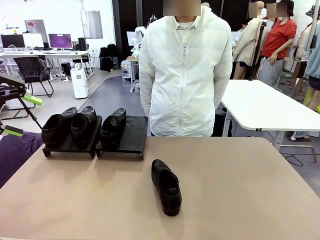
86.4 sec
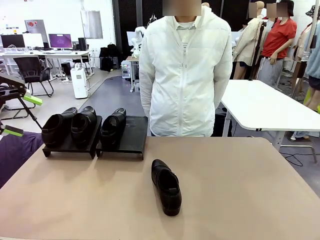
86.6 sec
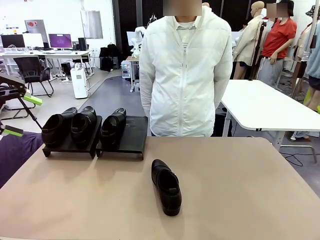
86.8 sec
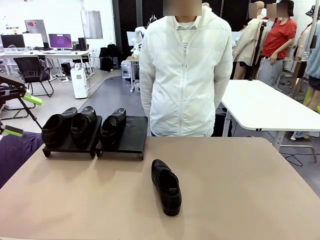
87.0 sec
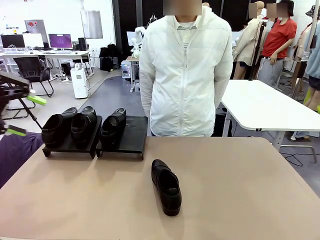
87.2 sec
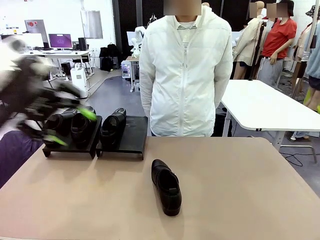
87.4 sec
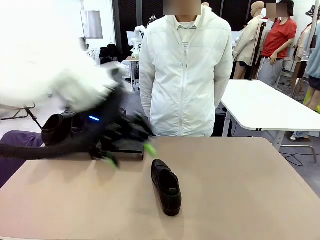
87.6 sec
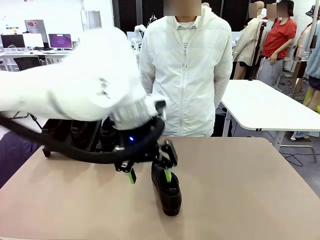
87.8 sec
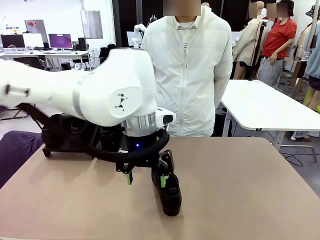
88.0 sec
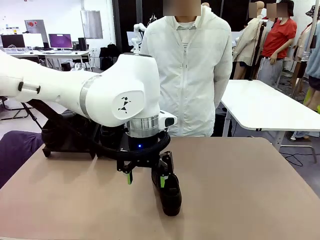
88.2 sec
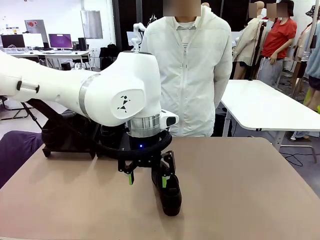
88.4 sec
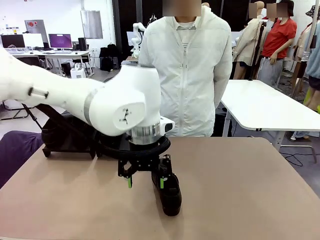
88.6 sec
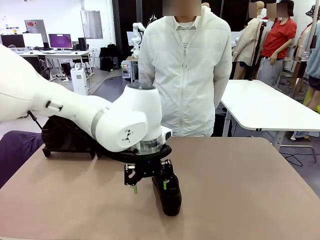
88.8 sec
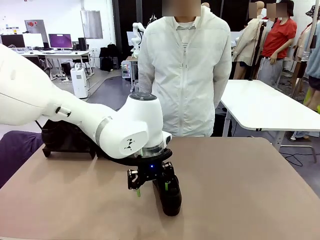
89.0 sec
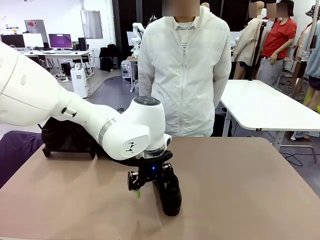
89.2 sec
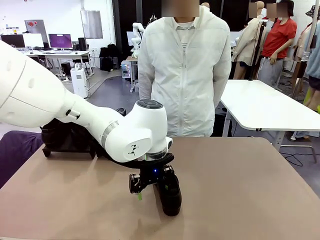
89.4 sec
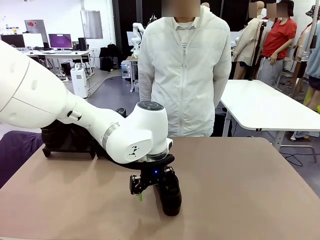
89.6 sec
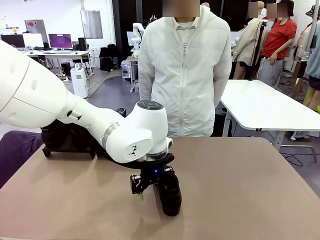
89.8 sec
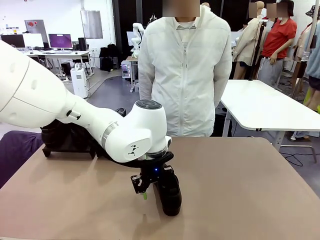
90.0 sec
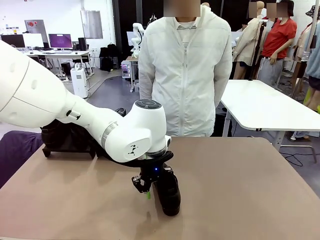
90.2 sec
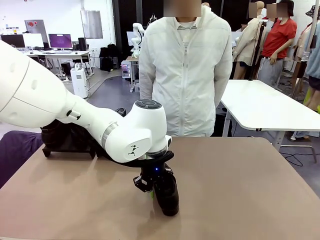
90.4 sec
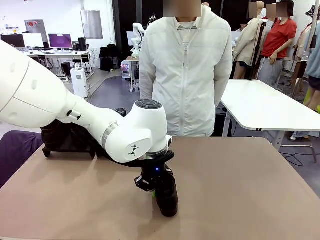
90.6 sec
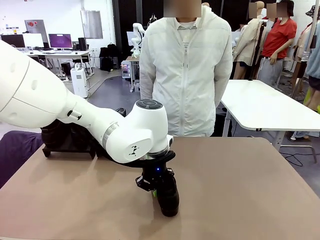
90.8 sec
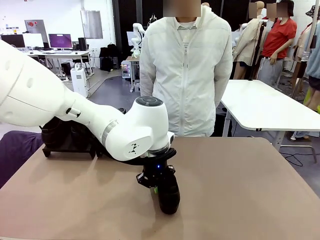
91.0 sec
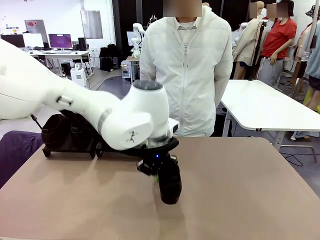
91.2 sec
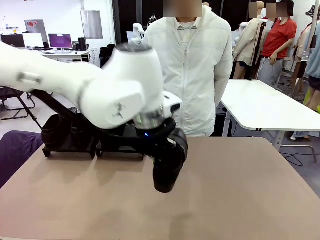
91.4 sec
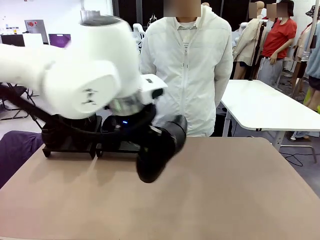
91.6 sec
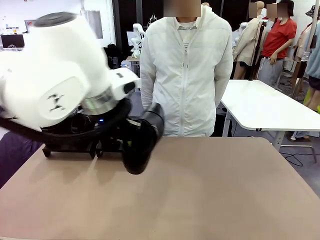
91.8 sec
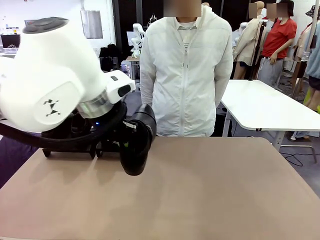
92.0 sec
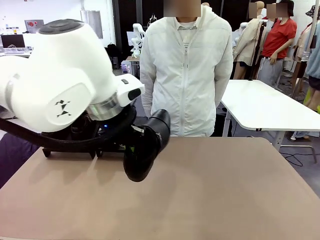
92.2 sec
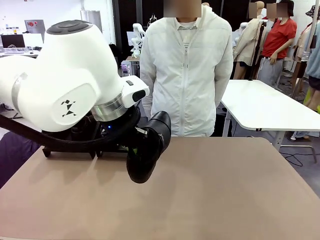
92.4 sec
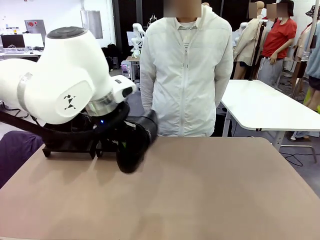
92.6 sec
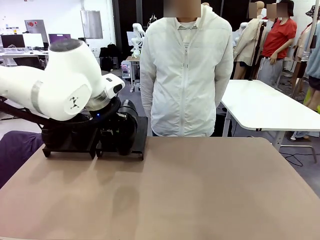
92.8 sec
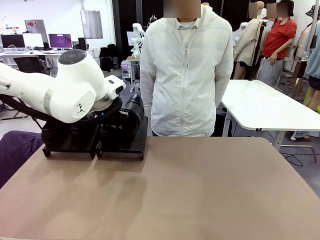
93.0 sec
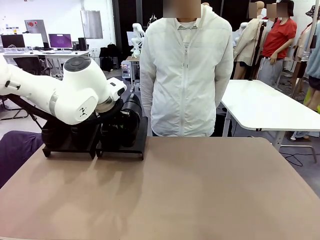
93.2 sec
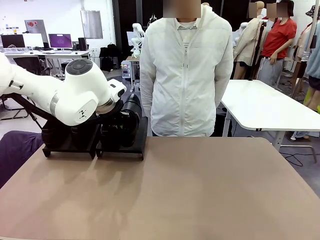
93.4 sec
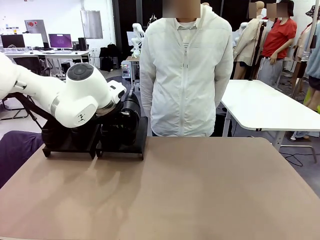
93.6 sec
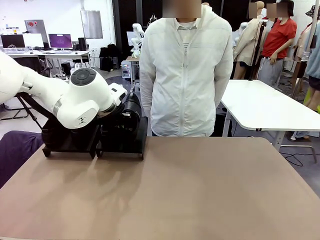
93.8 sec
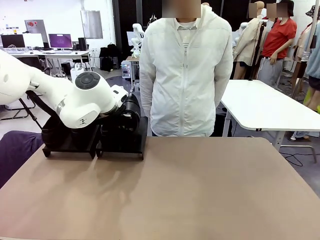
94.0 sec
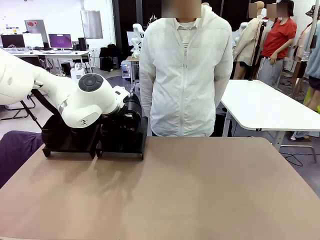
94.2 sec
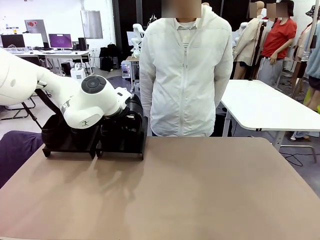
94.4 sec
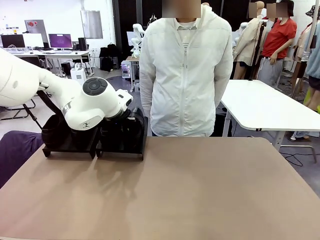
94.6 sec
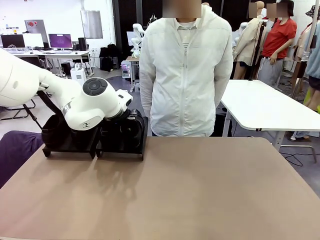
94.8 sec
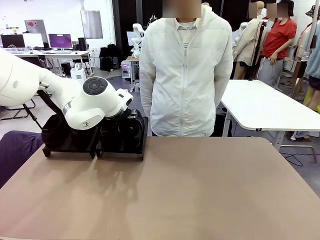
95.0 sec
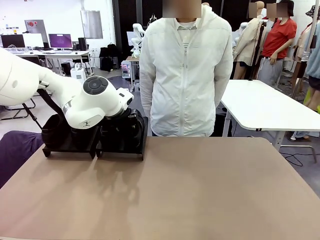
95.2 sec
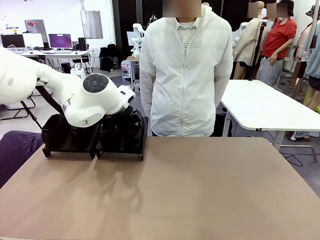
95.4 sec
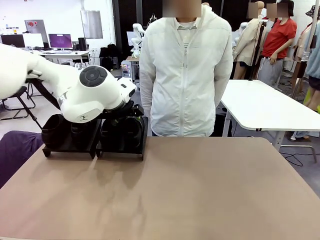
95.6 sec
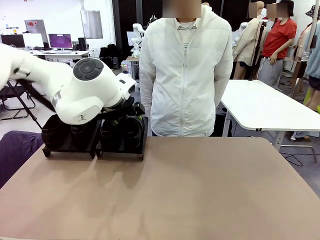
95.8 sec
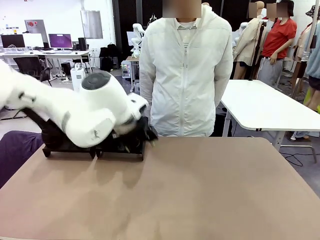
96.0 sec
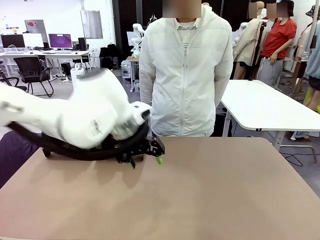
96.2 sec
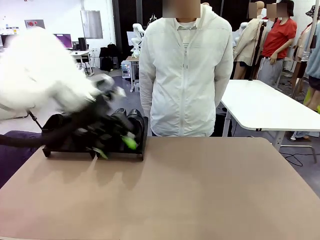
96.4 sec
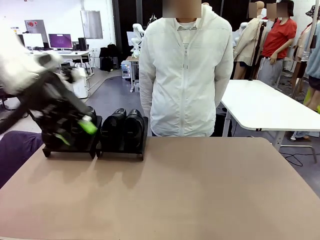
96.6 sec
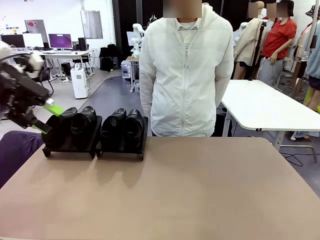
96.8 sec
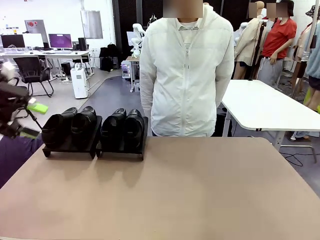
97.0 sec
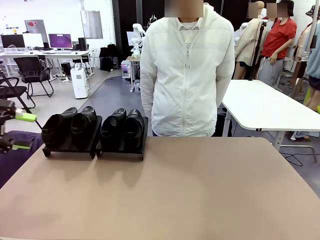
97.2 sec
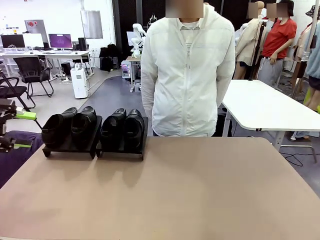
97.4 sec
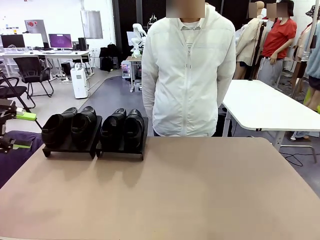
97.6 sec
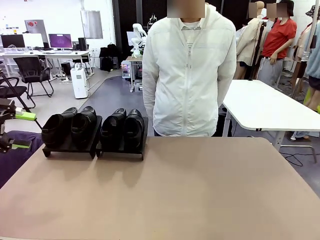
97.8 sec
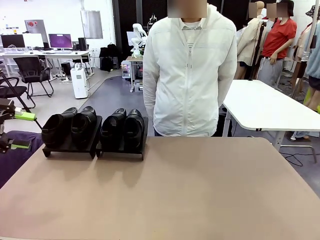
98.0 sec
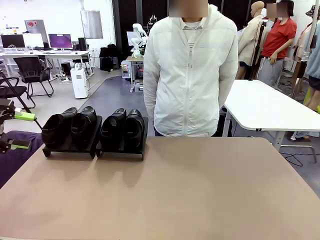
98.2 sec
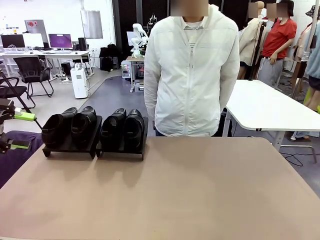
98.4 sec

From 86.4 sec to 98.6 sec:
Task: Organize the shoes by placing them on the stand.
Robot: Place the Shoe from the middle of the table onto the Shoes Stand.

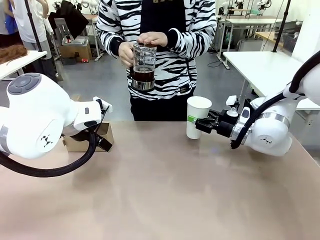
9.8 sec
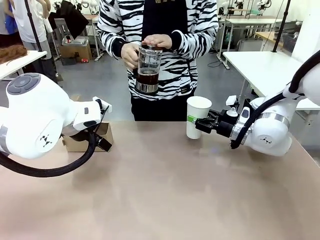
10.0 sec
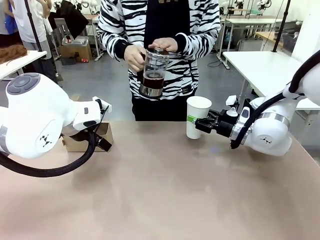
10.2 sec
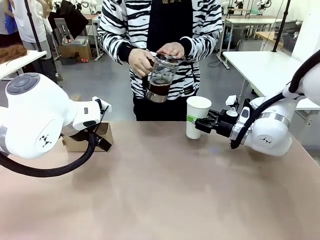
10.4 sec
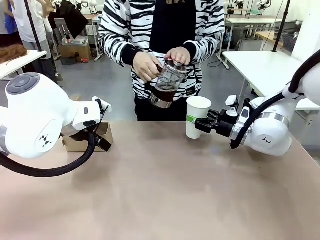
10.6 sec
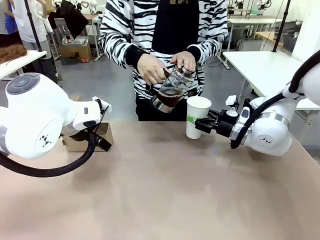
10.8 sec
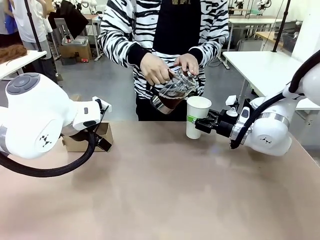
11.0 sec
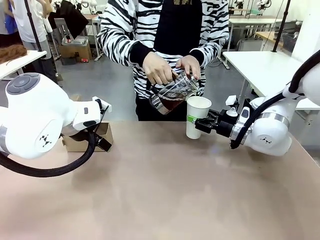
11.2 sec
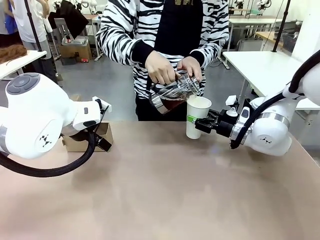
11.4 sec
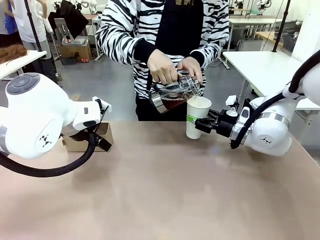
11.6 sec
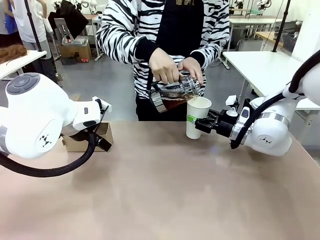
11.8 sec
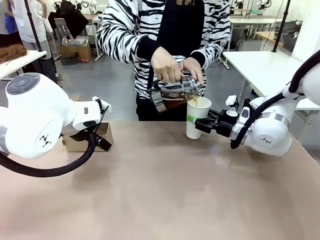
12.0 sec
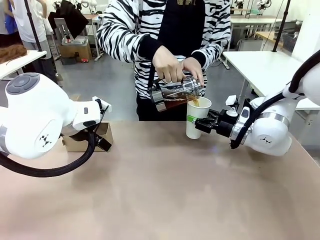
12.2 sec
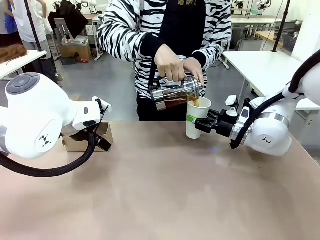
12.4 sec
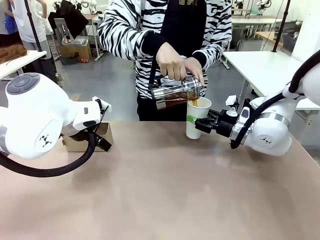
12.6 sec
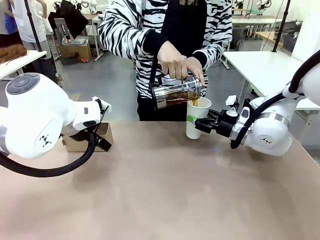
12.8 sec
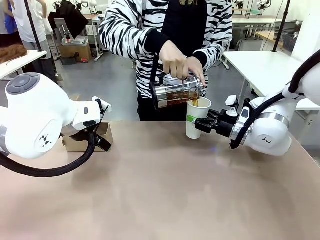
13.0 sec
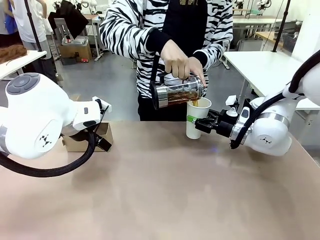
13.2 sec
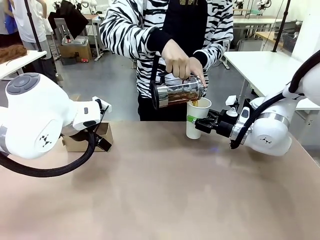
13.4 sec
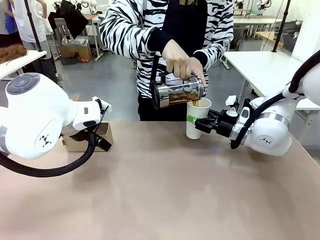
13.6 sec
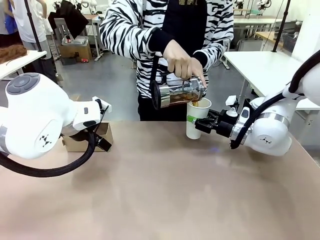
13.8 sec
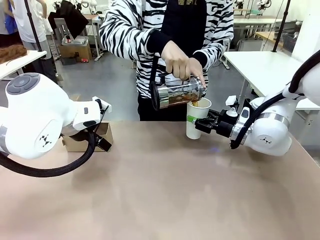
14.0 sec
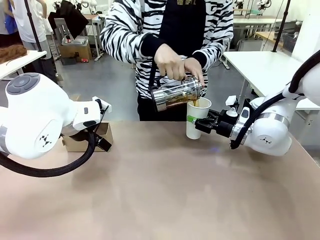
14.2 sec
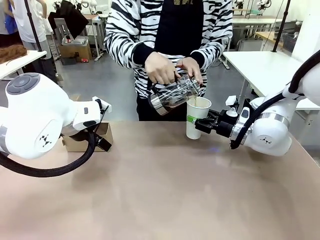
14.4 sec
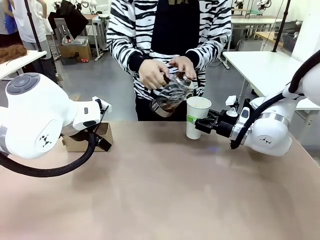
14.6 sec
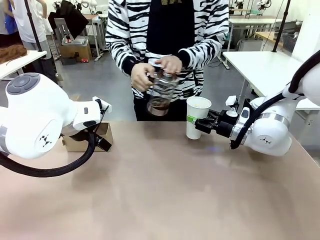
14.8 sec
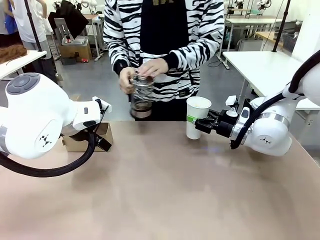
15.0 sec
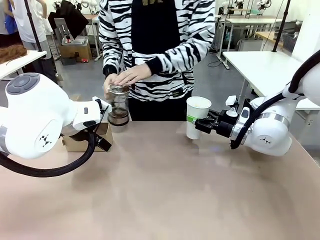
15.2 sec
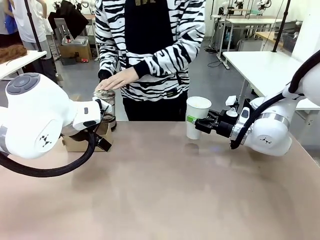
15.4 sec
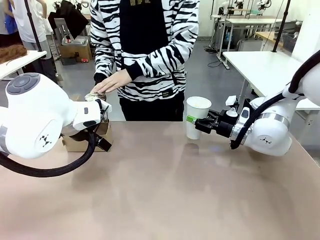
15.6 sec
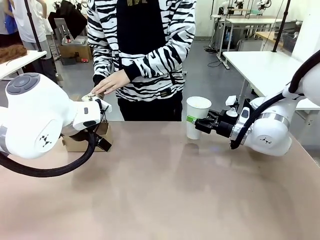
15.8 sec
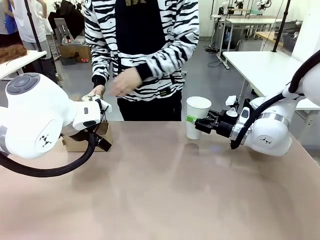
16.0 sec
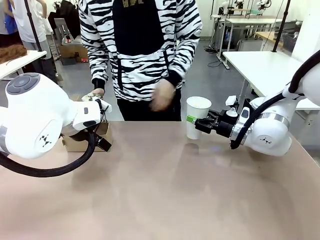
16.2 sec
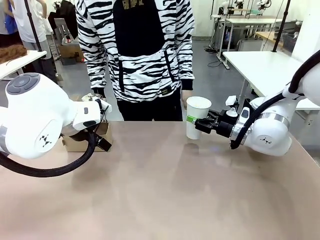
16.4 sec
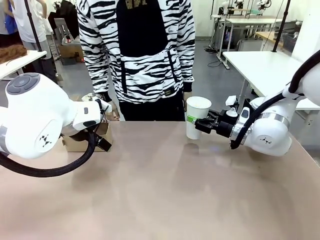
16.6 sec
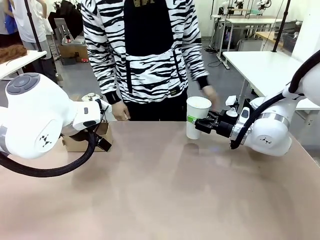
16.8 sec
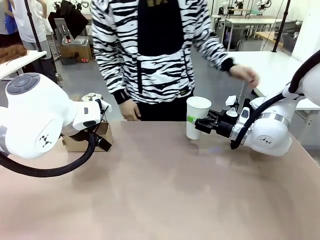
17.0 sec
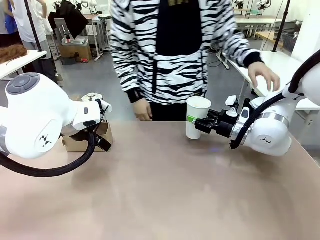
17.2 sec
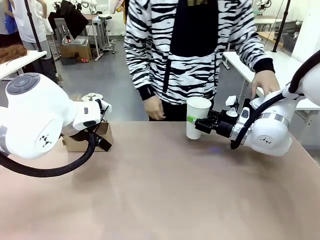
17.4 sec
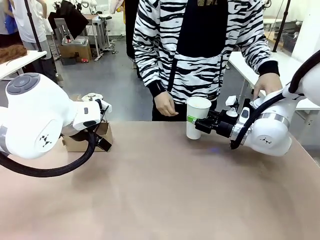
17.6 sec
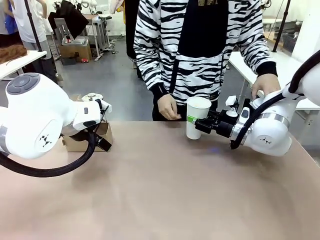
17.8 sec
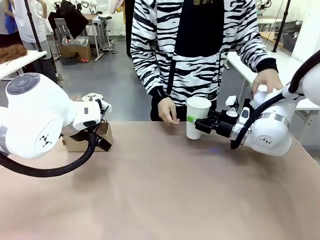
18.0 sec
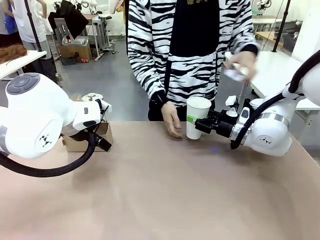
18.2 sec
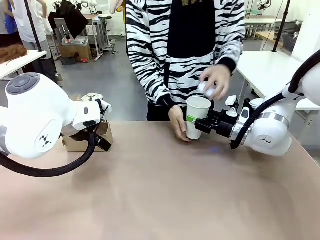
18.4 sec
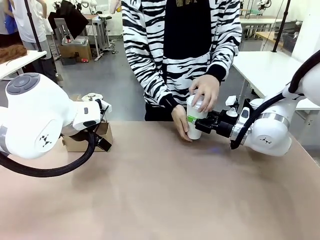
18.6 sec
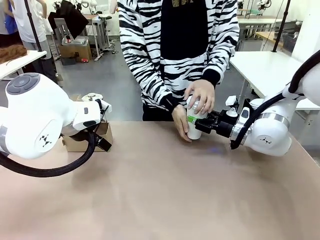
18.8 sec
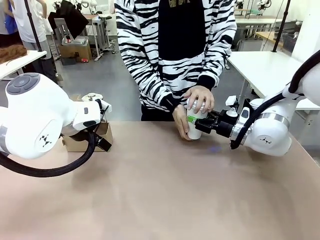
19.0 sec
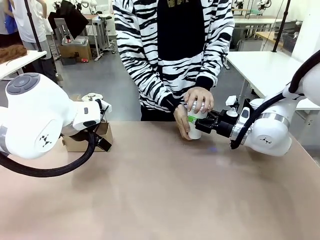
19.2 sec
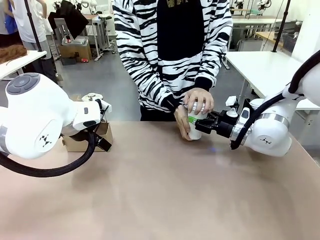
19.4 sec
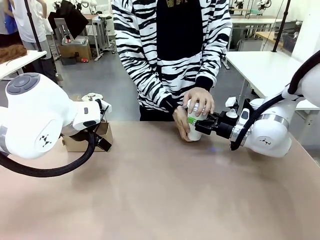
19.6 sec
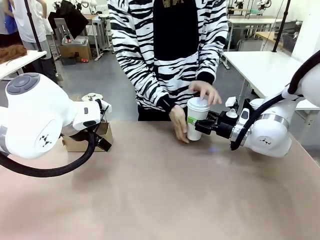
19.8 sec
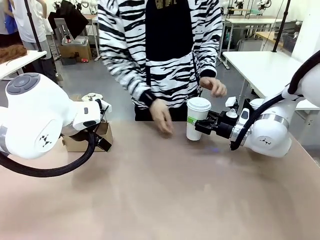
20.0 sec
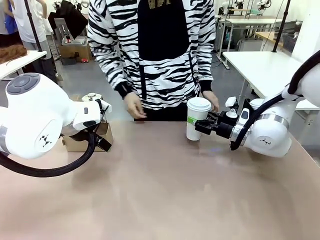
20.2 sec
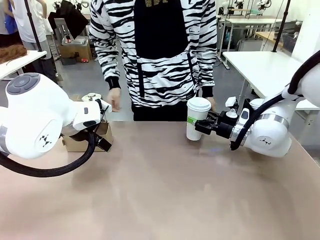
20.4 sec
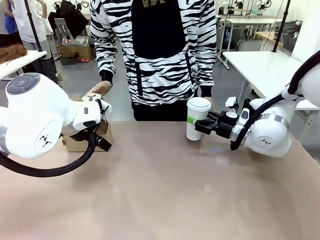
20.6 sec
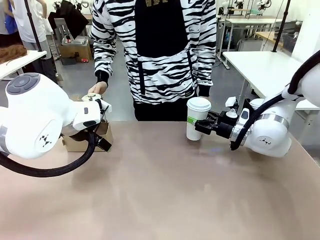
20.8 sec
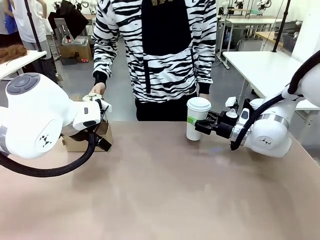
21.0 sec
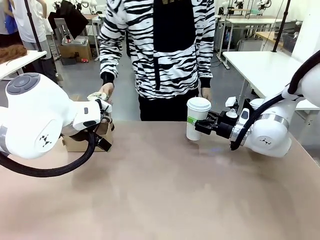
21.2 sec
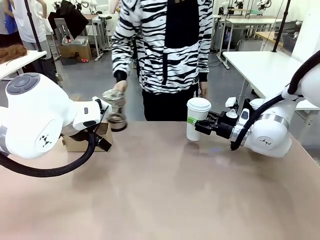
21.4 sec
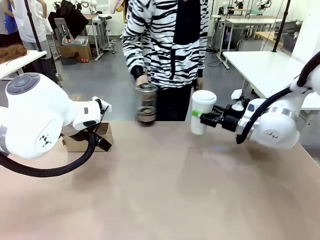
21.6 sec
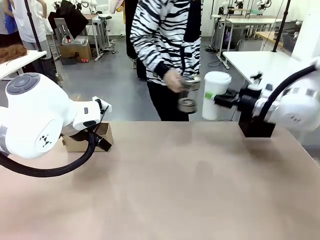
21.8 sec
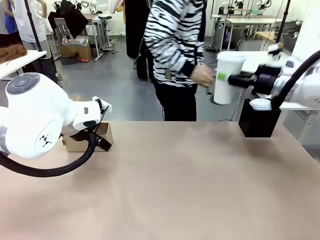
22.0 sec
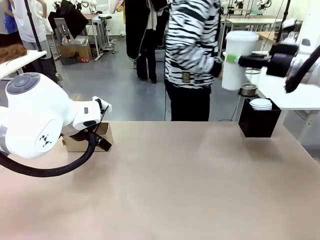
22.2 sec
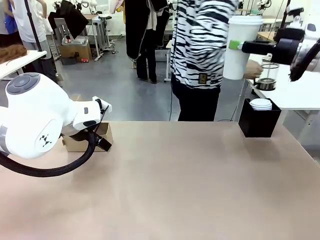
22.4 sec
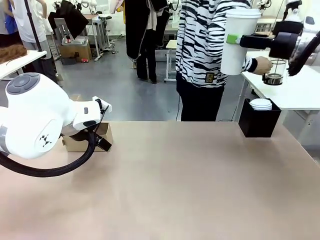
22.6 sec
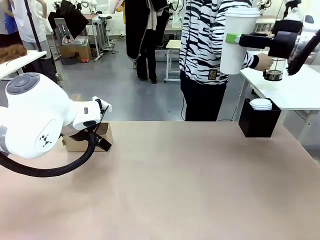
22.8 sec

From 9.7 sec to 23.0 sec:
Task: Pour a drink into a cup and package it in a carrier.
Robot: When a person places the Paper Cup Lid on the 600 ml Paper Cup , lift the 600 ml Paper Cup.
Person: Pour the drink from the Filter Brewing into the 600 ml Paper Cup. Place a Paper Cup Lid on the 600 ml Paper Cup.
